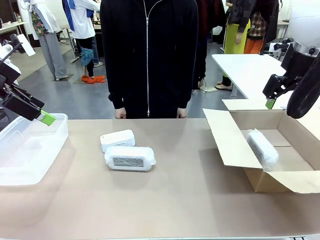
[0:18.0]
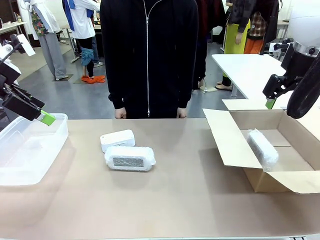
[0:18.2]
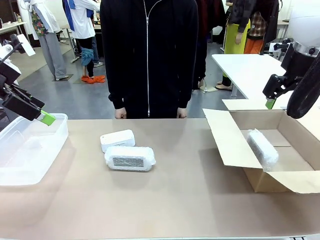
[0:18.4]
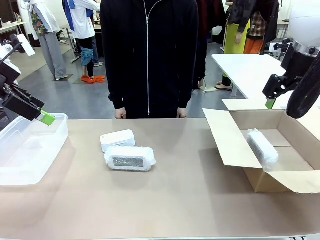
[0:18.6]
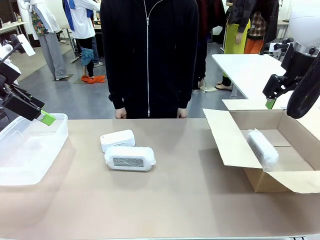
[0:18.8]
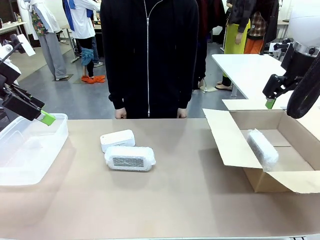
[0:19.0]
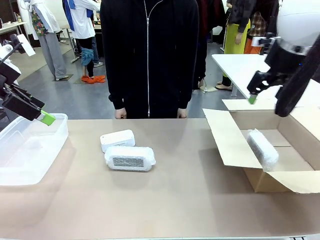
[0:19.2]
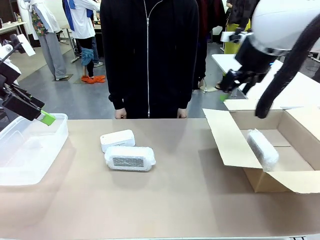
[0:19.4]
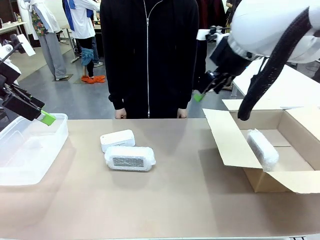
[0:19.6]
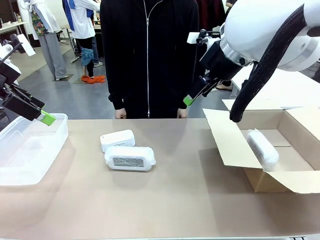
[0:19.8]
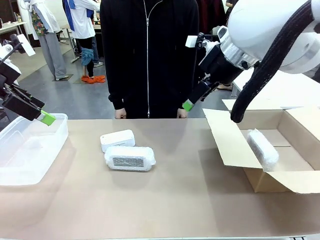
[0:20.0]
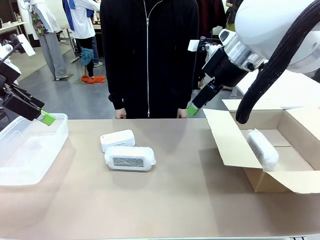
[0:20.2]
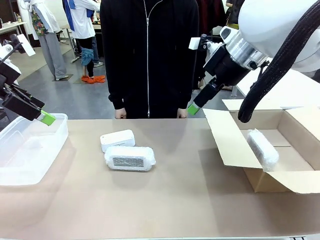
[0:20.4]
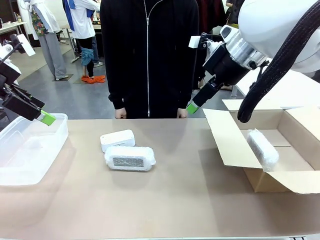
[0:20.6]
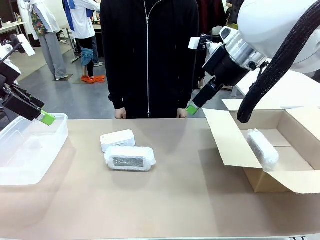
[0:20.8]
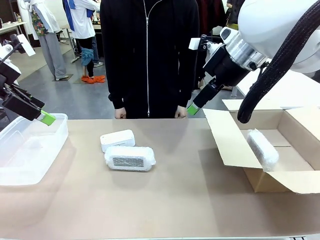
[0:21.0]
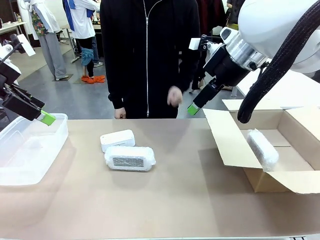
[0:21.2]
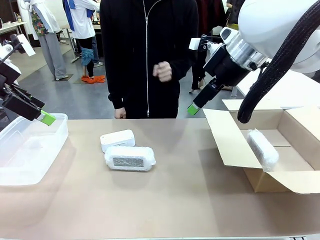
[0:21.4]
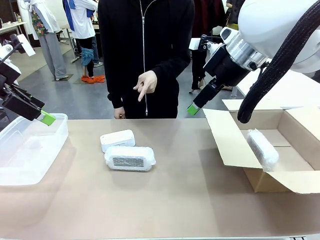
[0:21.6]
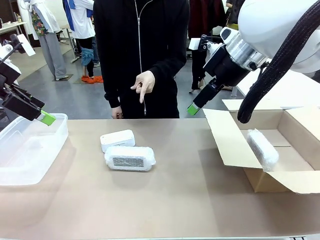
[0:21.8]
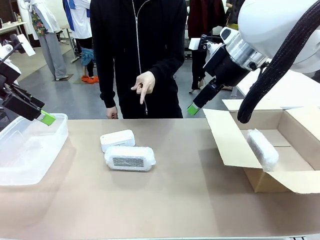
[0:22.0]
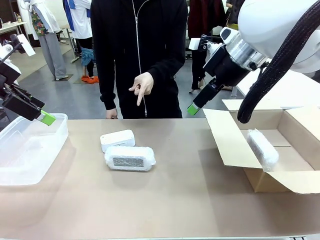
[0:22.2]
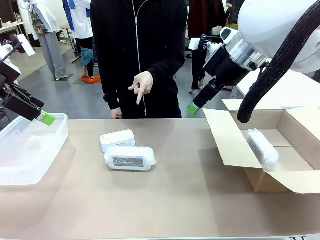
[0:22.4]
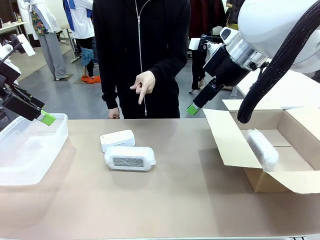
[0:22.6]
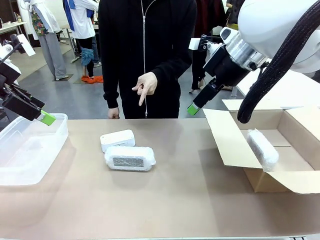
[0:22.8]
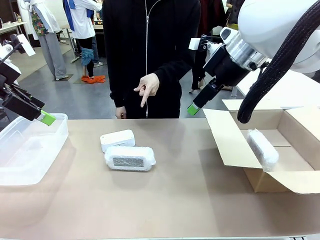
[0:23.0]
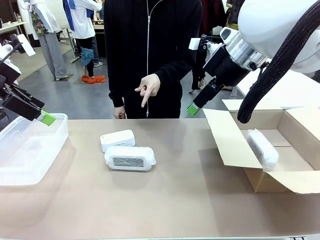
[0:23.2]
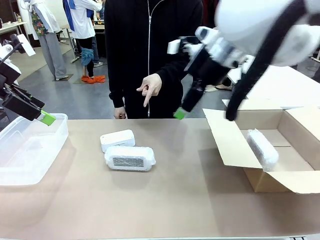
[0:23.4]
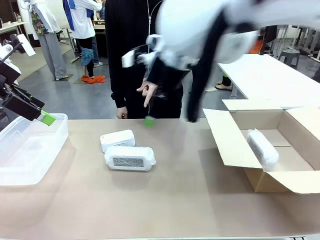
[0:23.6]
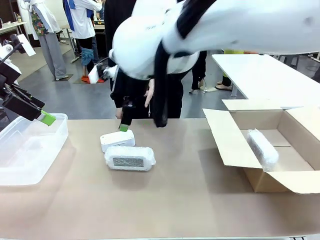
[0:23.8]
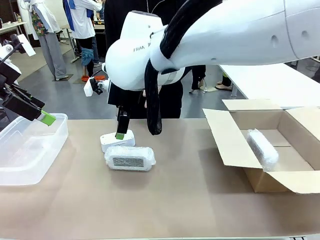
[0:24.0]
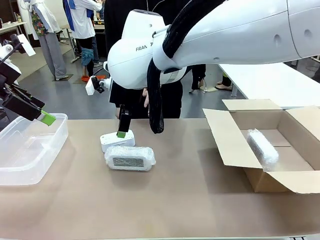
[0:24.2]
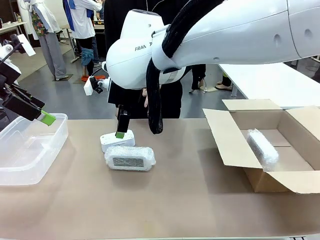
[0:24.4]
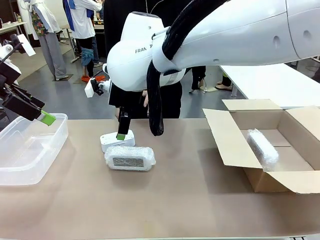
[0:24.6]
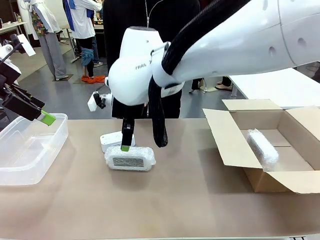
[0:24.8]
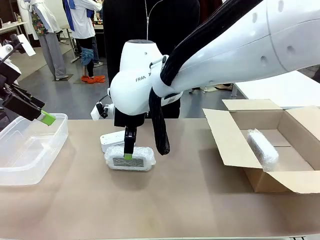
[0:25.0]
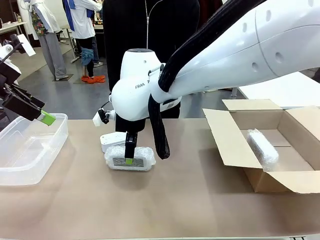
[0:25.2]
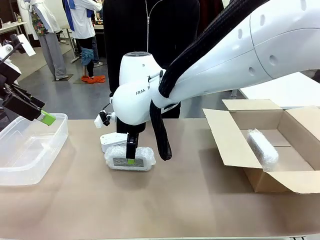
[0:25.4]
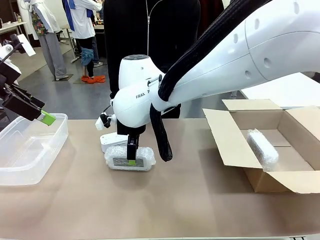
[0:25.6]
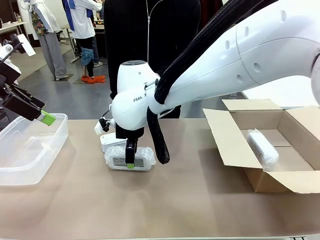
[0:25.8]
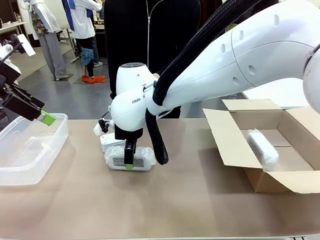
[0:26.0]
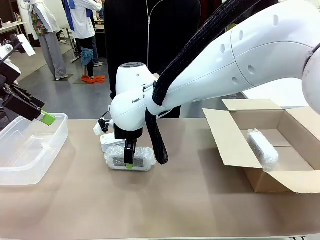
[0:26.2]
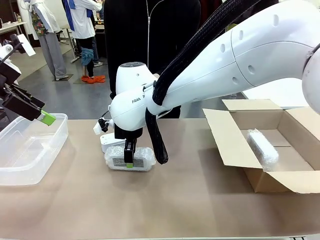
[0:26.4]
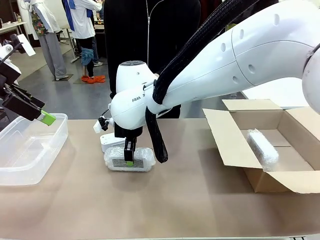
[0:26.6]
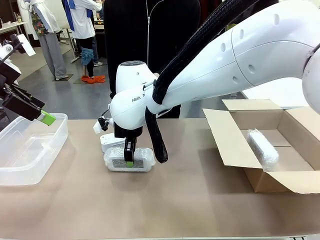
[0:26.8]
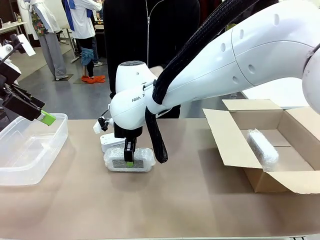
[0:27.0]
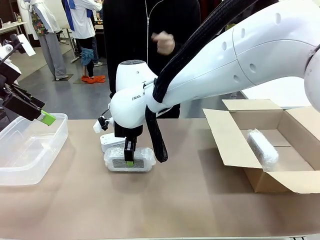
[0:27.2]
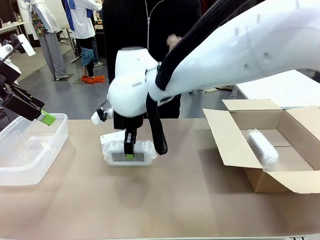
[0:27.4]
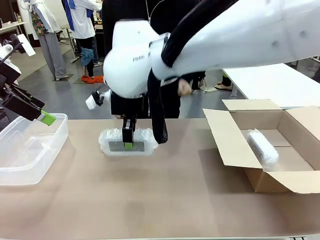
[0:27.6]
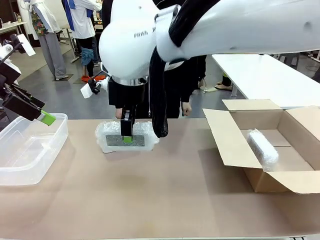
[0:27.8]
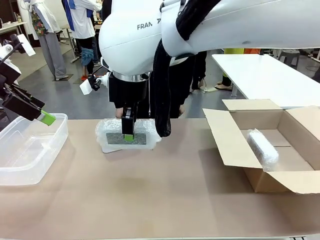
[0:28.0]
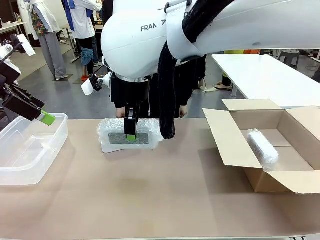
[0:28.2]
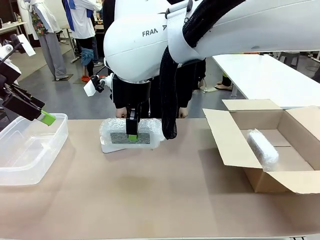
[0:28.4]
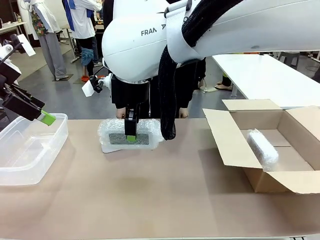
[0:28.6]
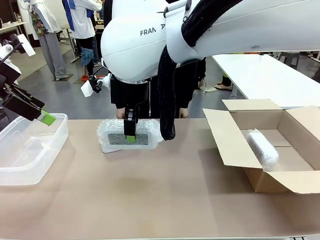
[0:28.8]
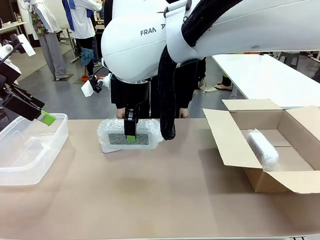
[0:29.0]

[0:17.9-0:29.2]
Task: Separate and place wrapped and unwrapped clocks.
Robot: Pick up the Digital clock indicated by the person.

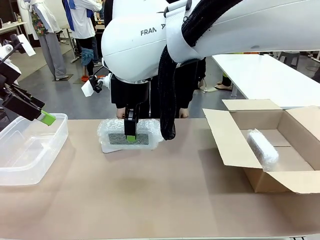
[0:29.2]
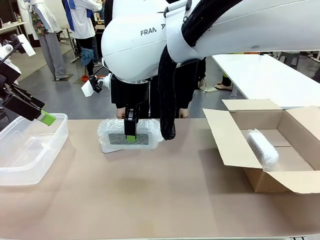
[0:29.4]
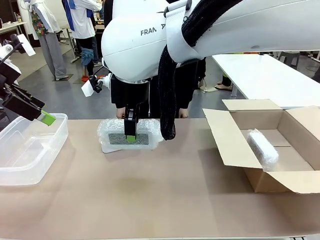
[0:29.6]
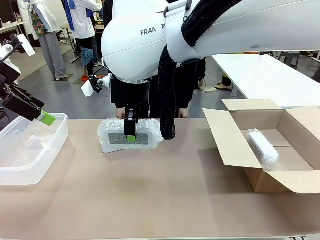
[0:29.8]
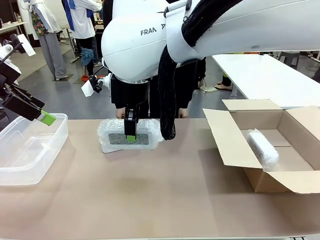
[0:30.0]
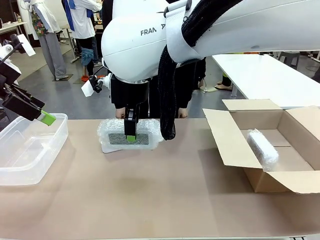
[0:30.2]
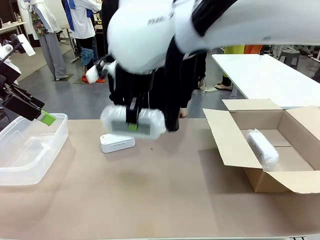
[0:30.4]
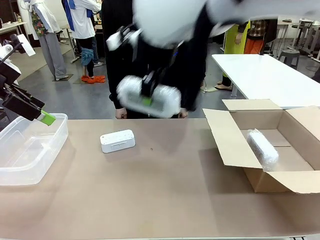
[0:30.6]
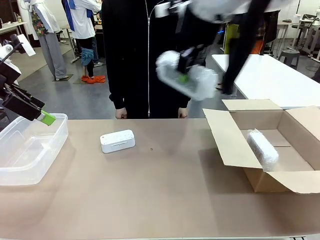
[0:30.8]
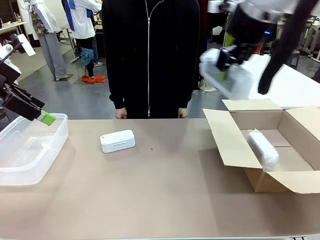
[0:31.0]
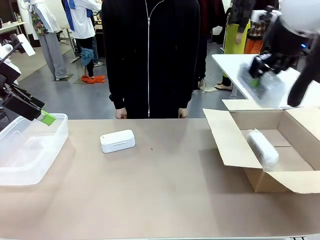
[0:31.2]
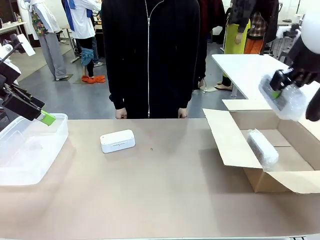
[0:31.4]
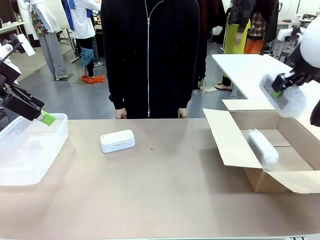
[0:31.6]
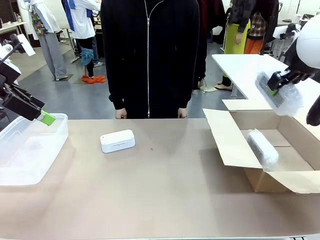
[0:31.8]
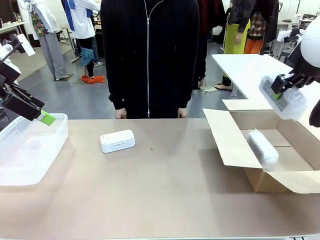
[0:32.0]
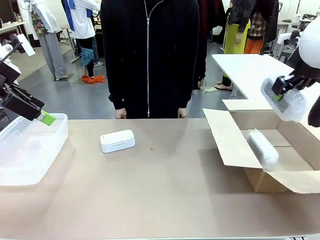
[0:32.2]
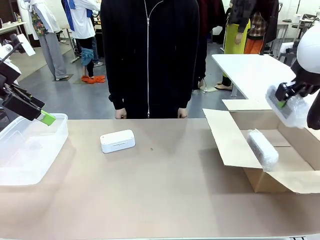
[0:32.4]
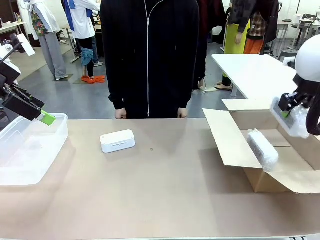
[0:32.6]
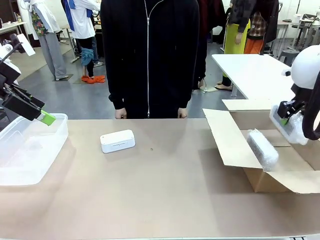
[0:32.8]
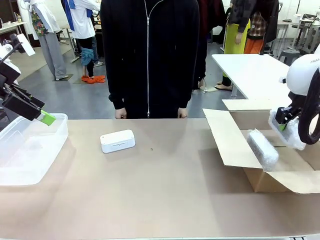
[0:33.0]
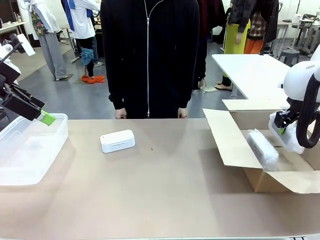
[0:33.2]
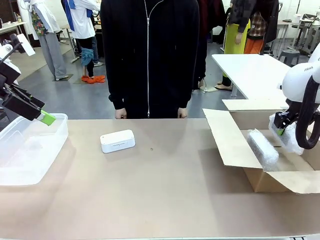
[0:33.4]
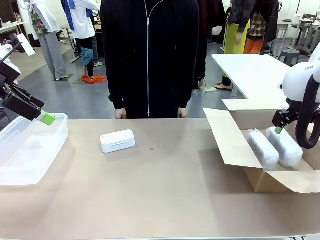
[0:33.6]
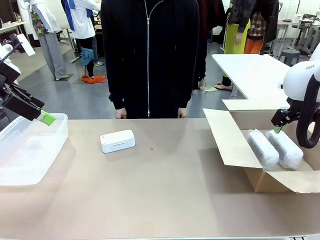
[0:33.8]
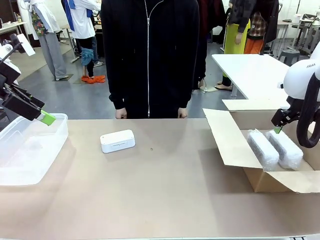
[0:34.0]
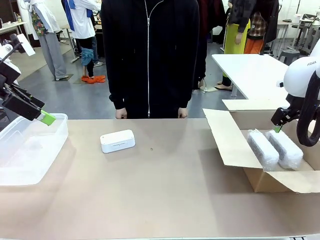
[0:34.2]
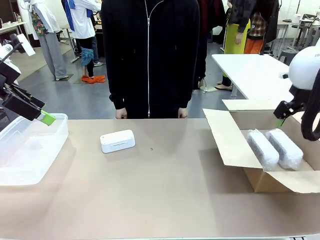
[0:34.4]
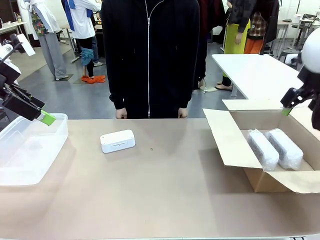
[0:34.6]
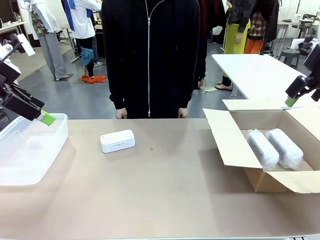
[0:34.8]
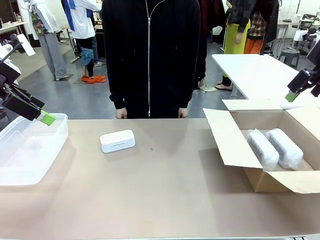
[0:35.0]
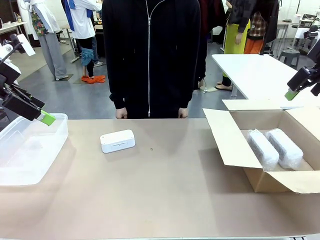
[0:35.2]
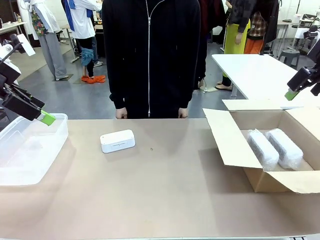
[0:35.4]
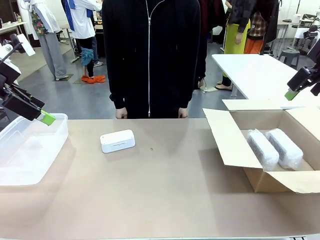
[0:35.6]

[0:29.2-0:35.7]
Robot: If the picked Digital clock is wrapped, place it in the Package Box ; if not, place it in the Organizing box.
